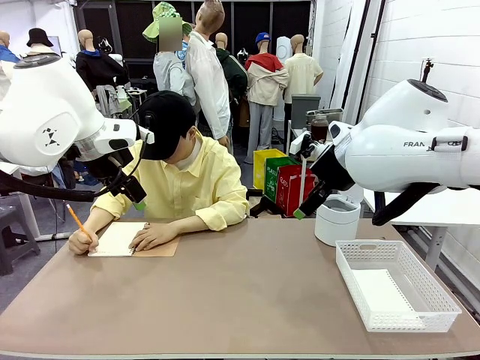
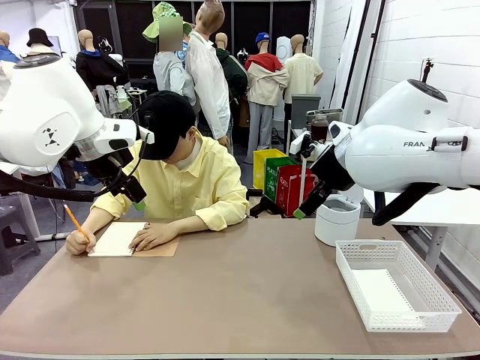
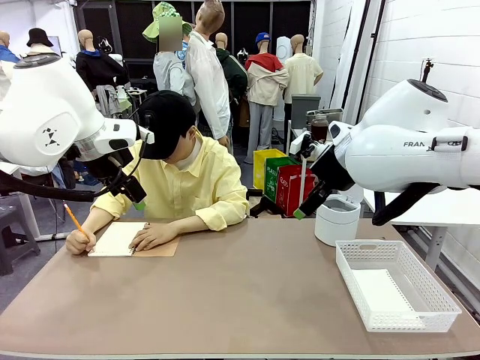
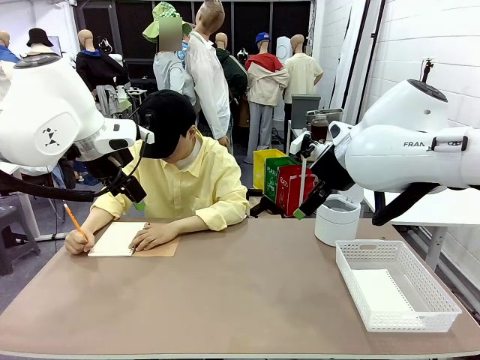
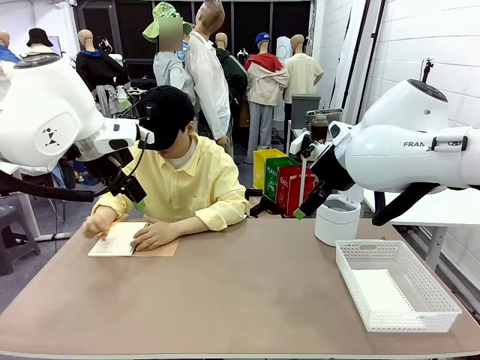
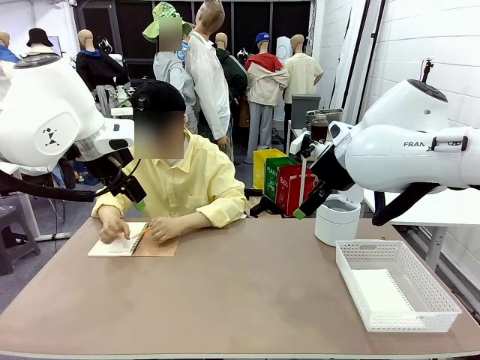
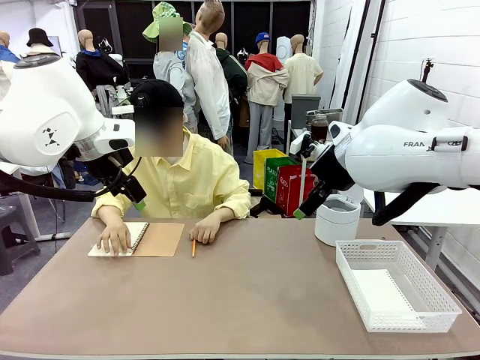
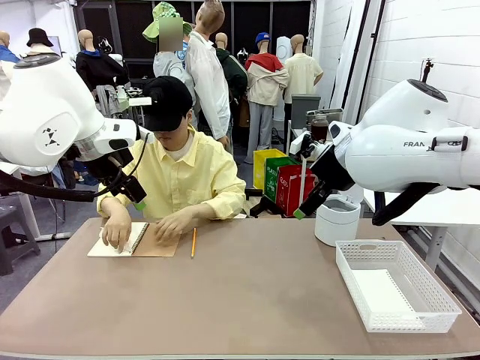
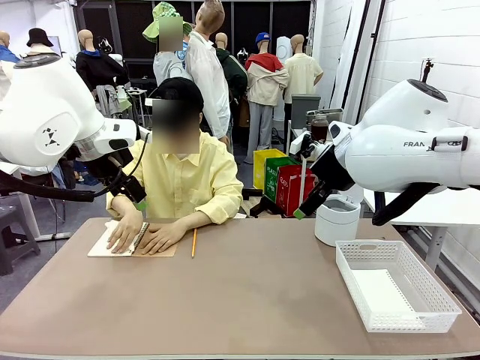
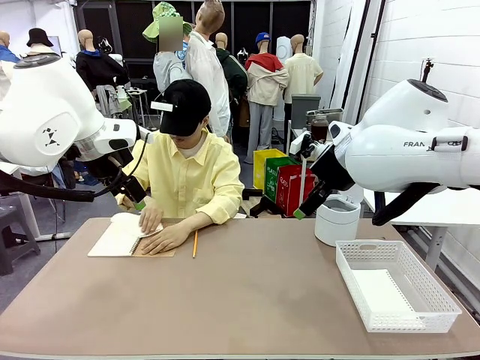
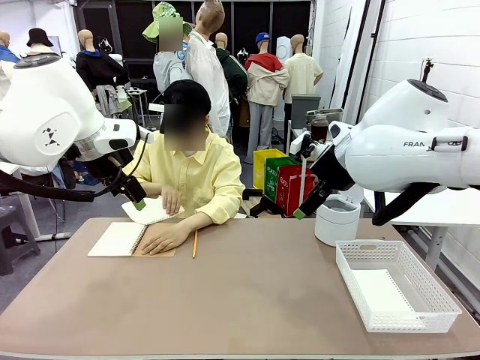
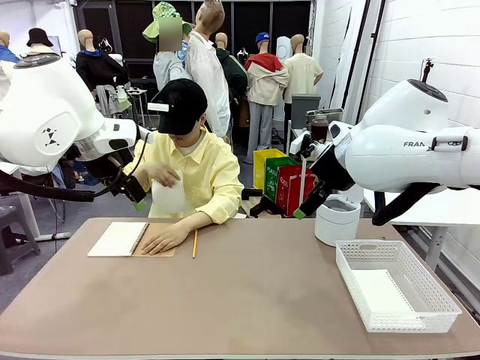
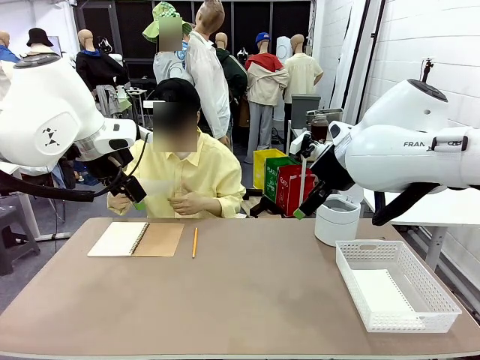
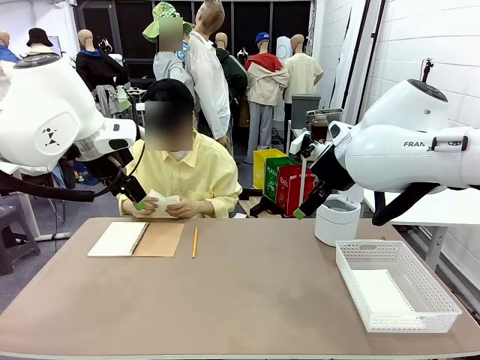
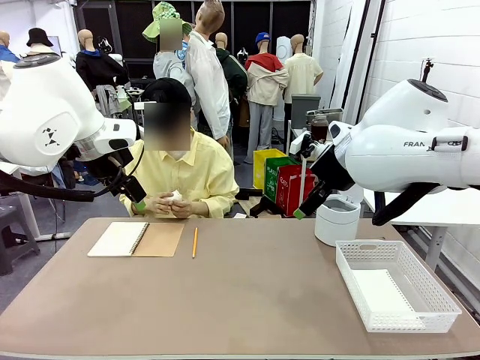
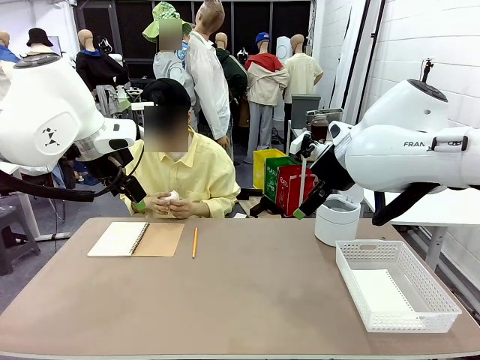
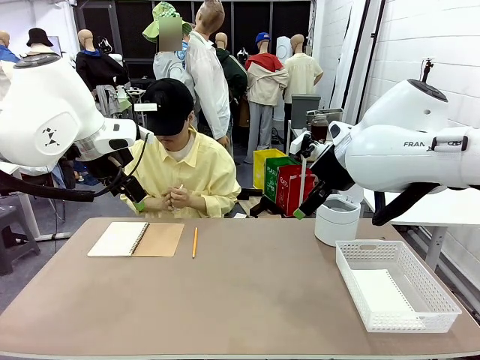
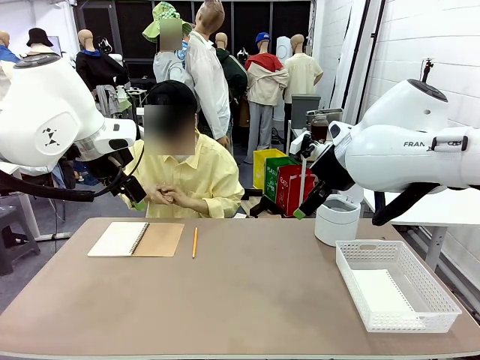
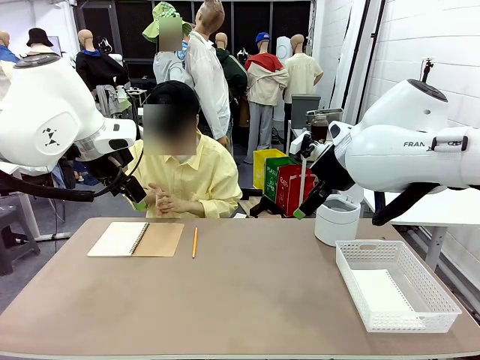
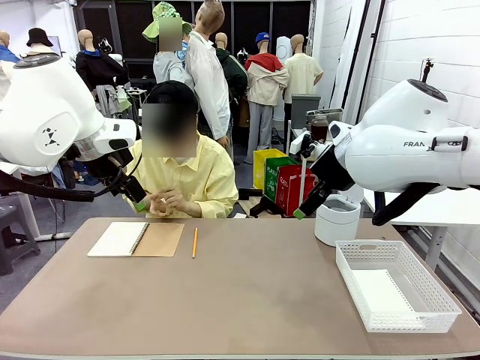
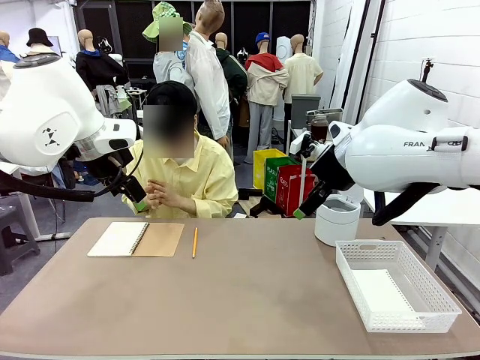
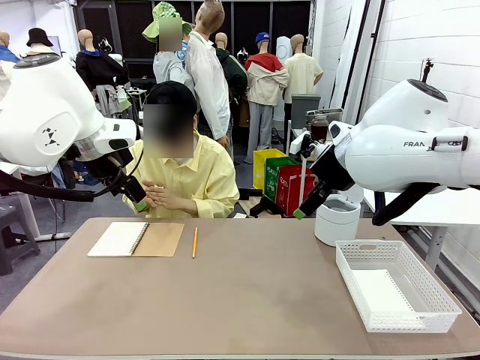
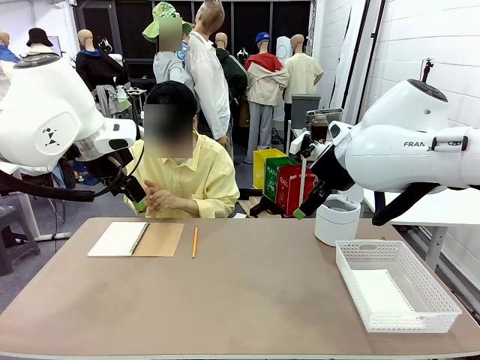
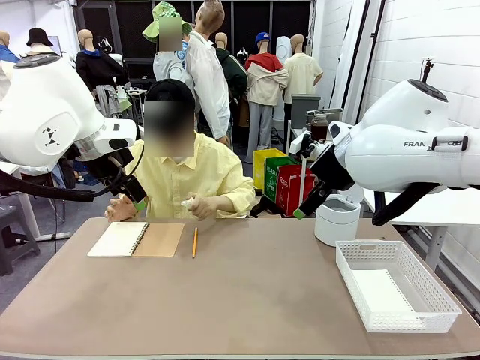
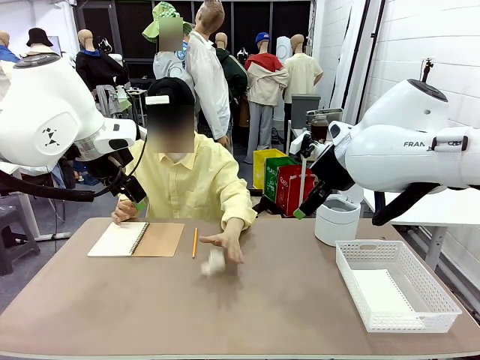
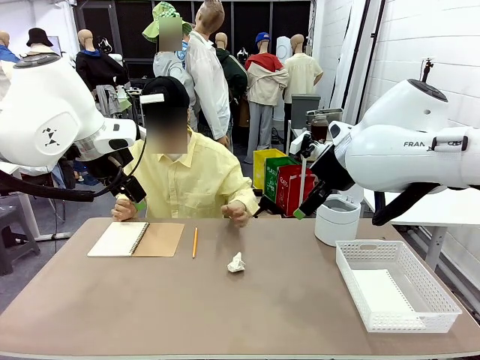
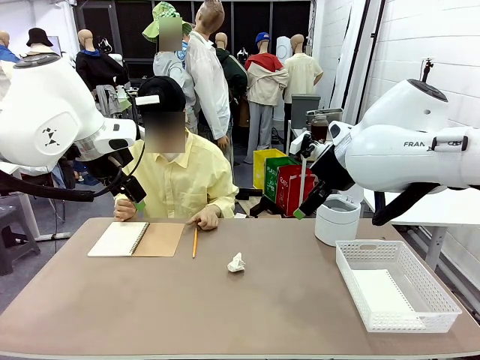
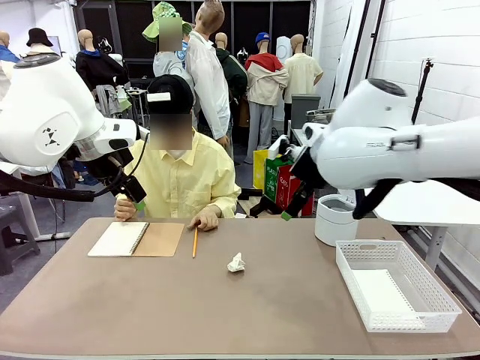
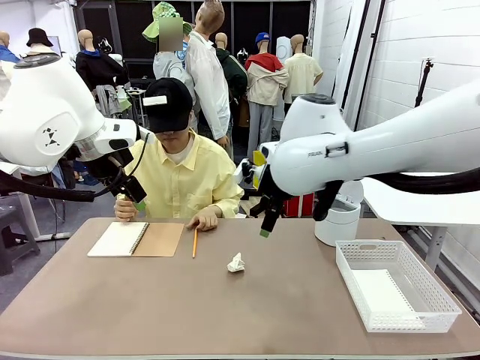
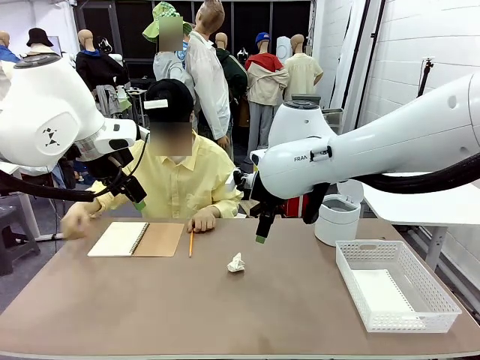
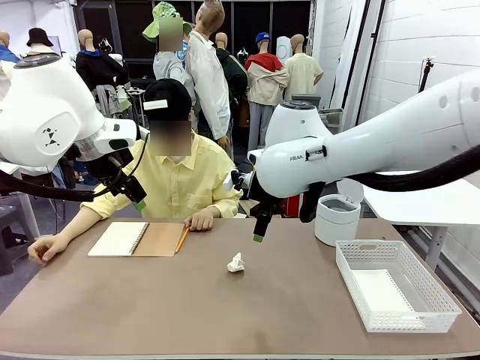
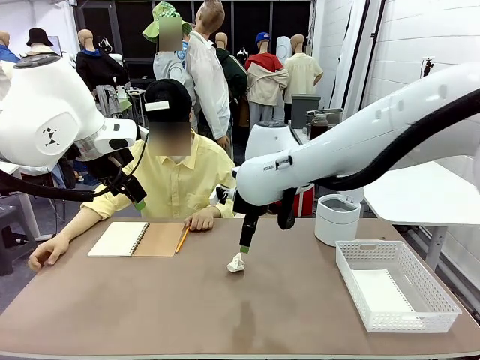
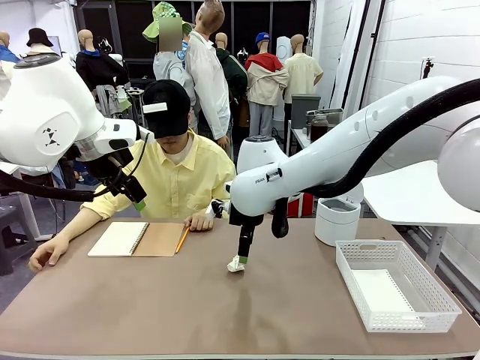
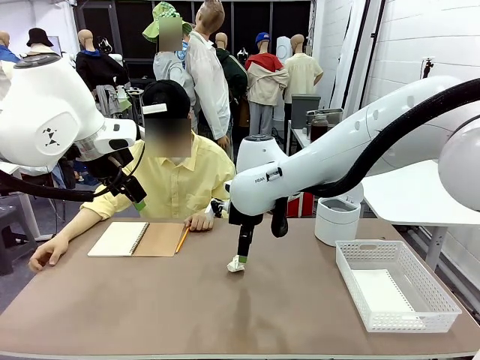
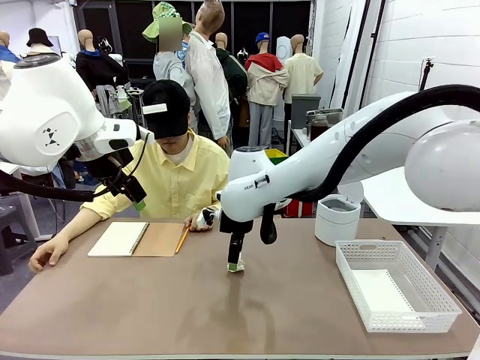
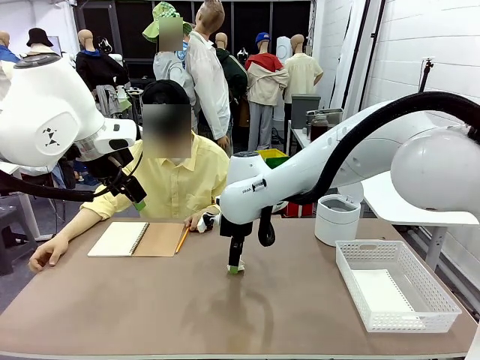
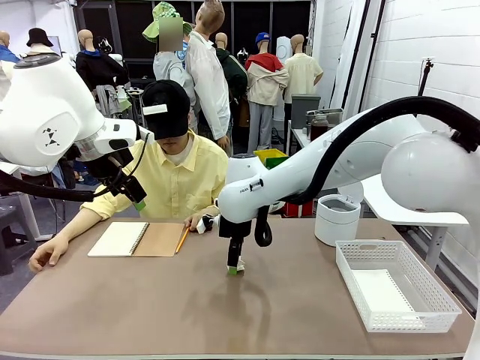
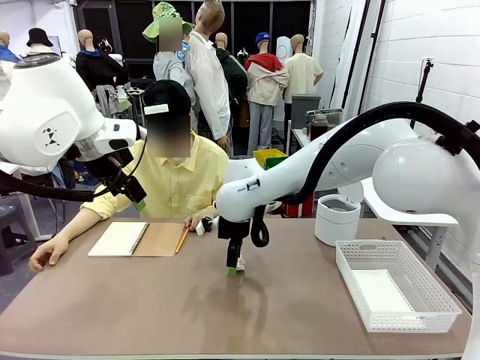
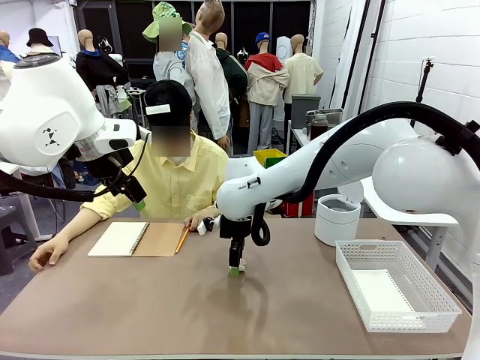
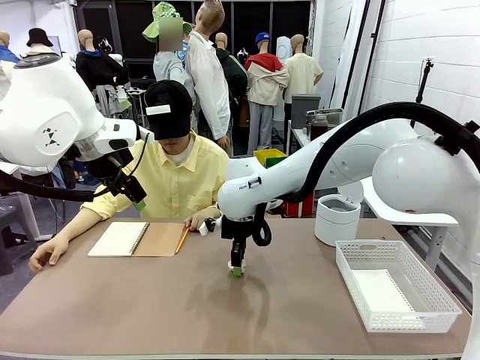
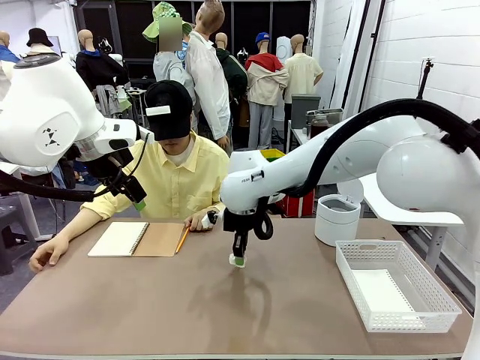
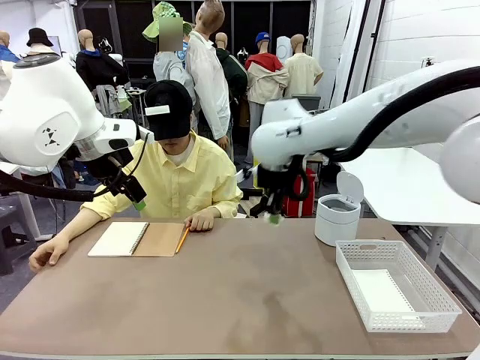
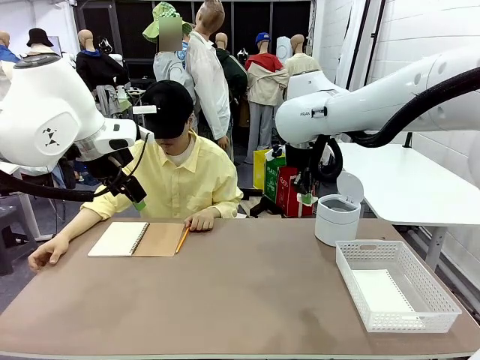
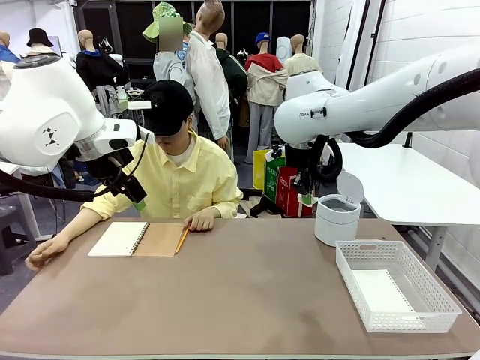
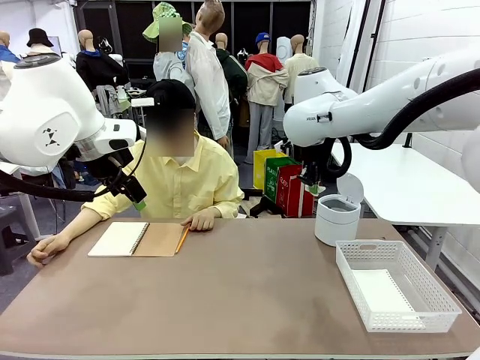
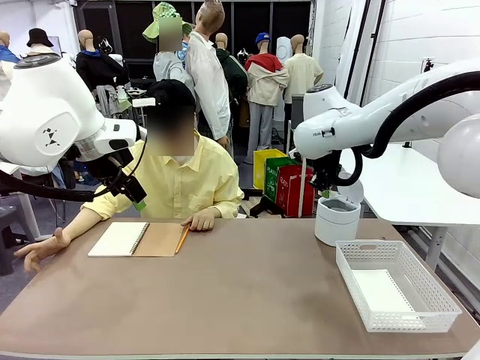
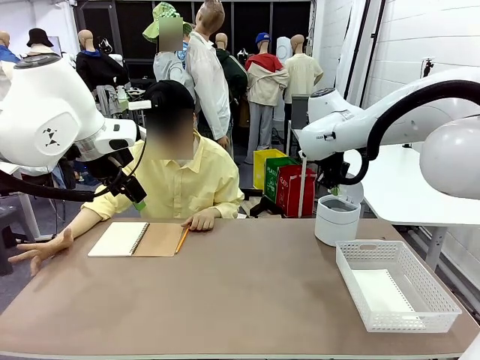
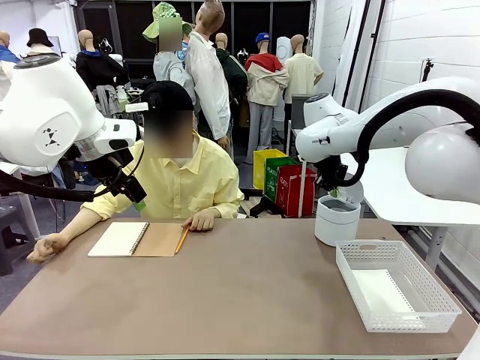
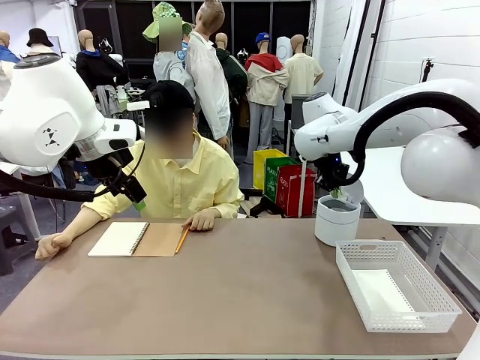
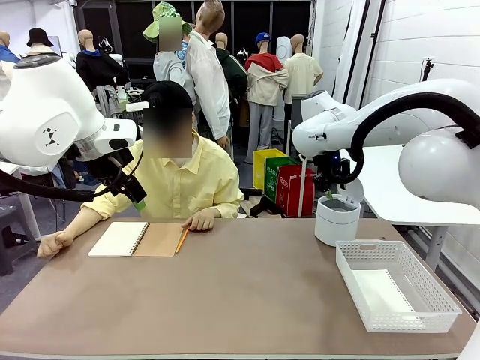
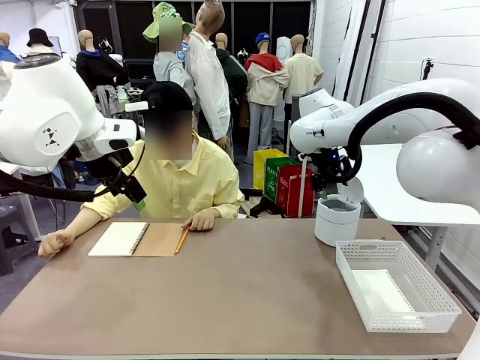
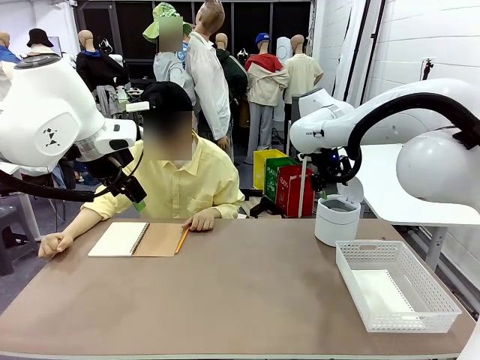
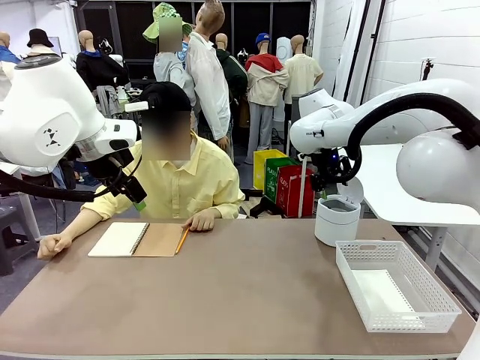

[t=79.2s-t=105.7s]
Task: Sort the paper based on its condition.
Robot: If a person hands you a paper, place it in the Organizing basket , and if it's crumpled, put it in the Trash can.
Person: Hand the torn page to the robot or crumple it and throw it to the center of the table.
